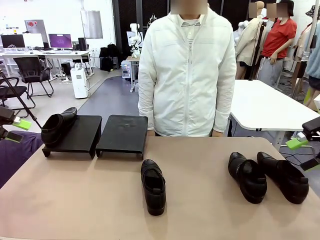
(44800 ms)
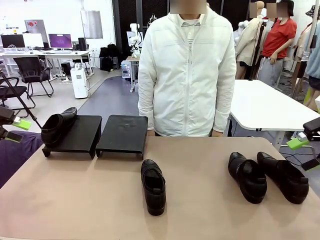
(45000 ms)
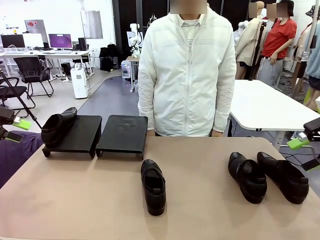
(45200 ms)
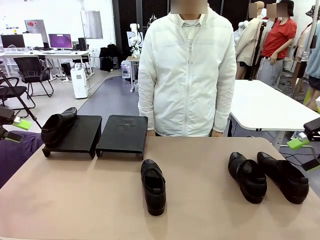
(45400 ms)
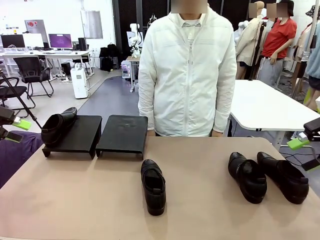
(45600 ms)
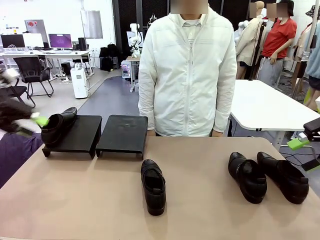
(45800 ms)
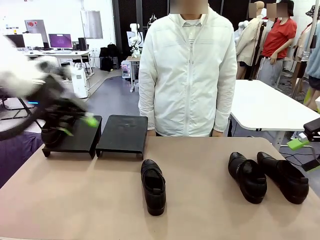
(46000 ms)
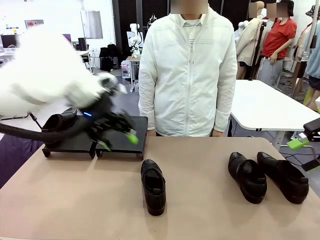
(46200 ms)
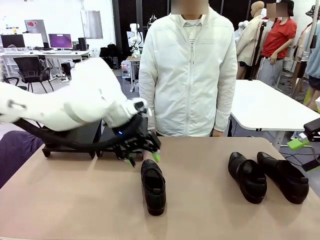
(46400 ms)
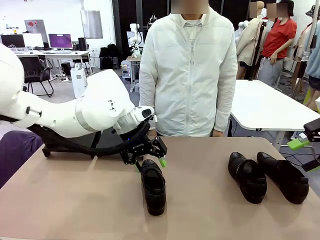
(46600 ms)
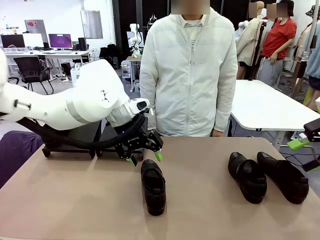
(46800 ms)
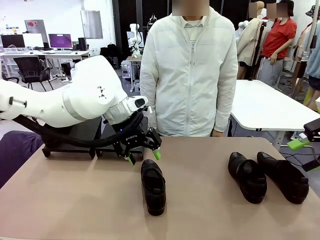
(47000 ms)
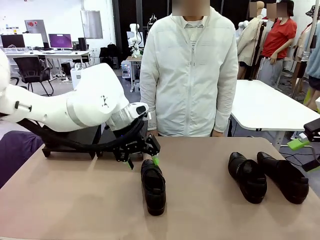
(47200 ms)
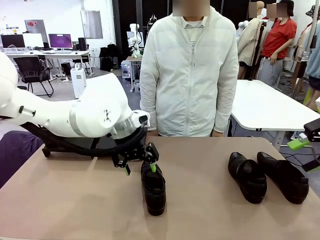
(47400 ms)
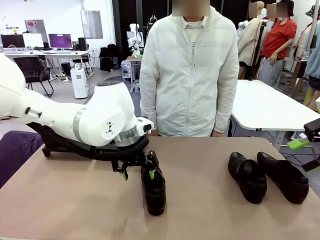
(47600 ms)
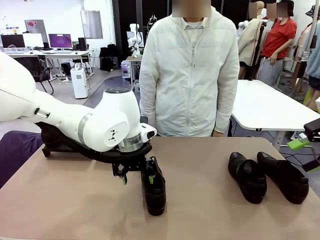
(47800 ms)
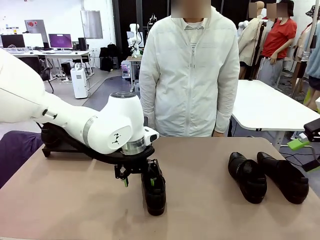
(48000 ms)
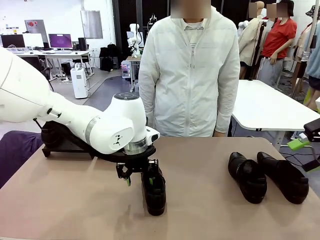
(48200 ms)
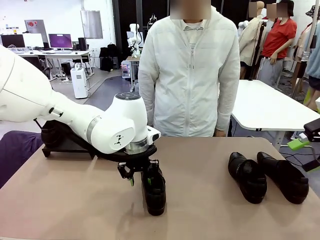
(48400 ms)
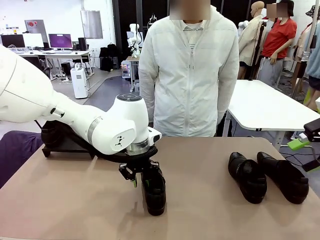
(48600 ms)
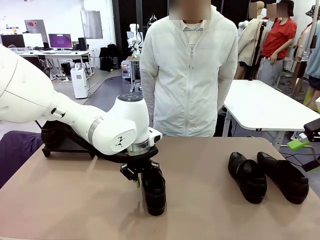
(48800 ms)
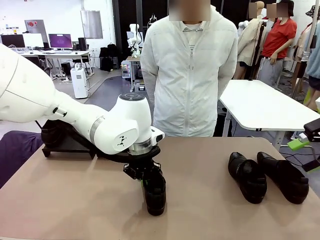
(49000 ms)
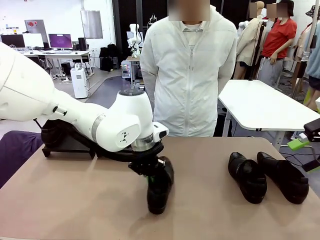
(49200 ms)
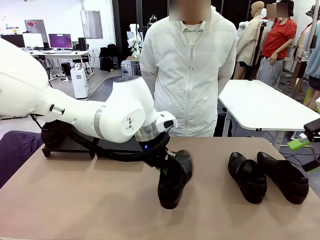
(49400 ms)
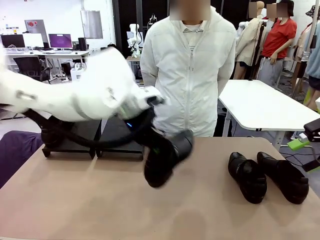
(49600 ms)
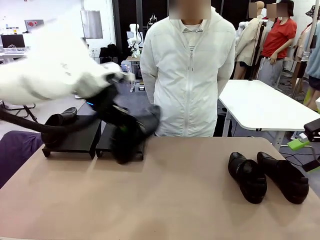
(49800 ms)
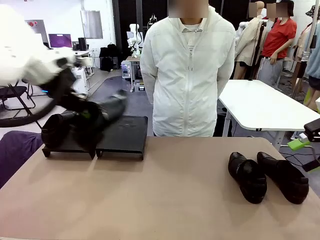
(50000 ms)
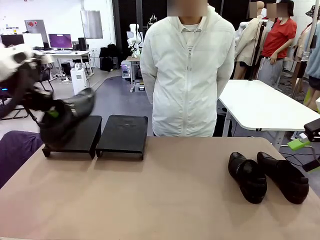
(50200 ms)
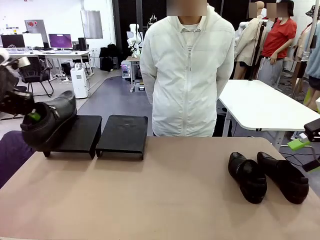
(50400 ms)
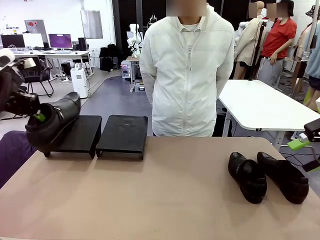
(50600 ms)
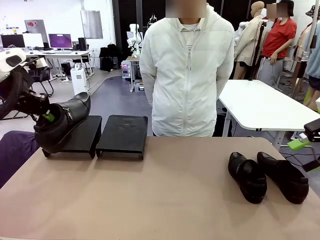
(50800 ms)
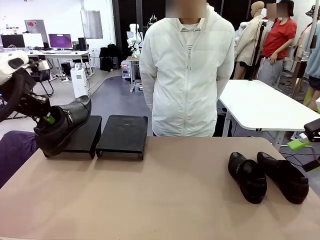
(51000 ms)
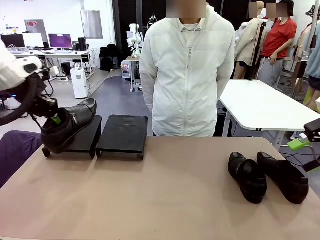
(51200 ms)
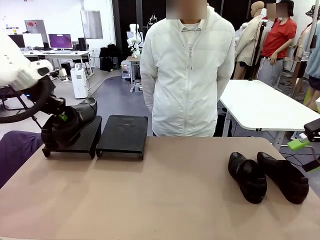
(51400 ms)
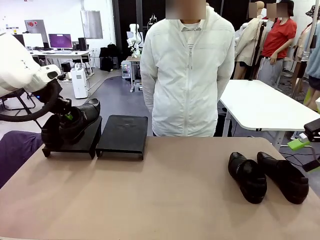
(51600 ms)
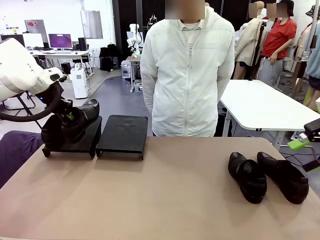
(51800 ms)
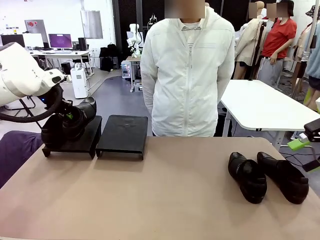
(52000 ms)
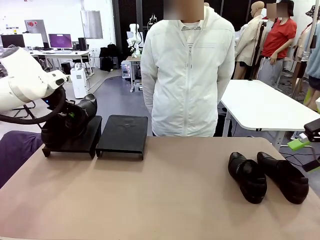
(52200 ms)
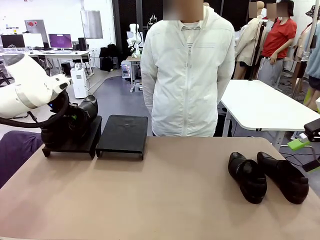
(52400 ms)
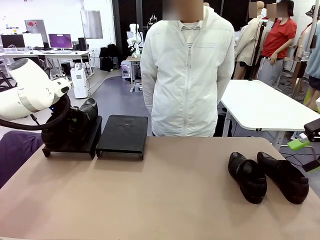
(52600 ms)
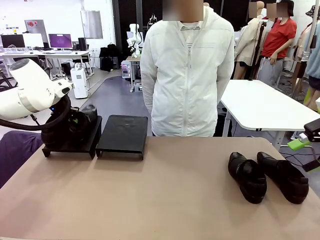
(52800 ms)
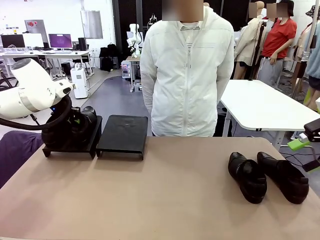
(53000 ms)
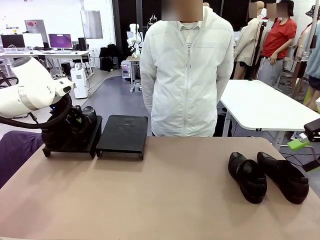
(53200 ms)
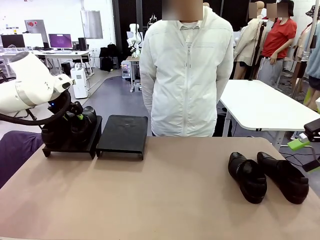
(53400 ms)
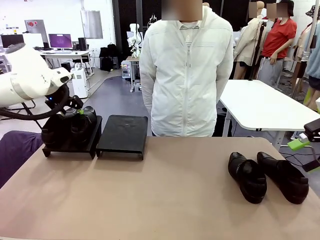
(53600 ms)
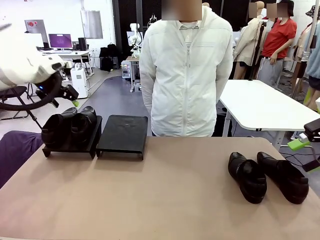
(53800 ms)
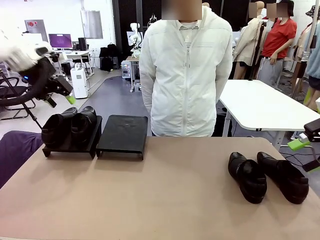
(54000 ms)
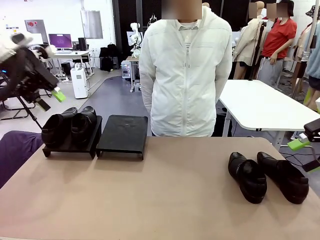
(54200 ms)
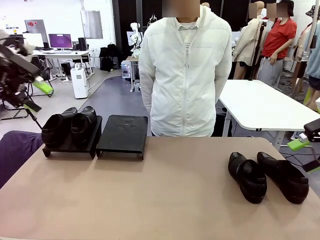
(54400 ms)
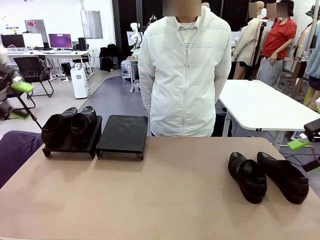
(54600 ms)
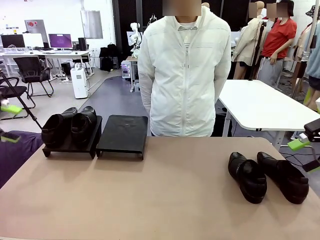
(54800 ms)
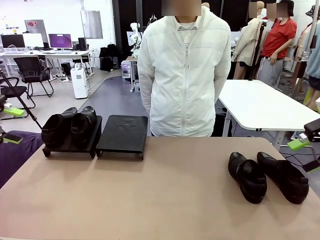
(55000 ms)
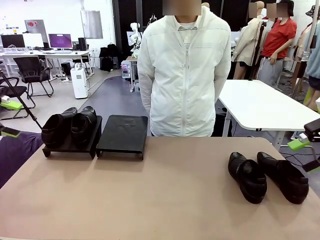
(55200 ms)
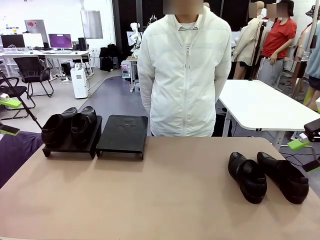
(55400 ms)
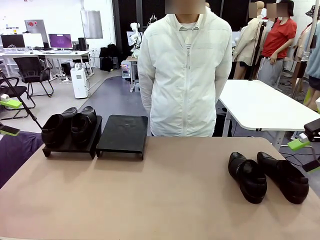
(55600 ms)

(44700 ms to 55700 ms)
Task: Organize the shoes by placing them on the stand.
Robot: Place the Shoe from the middle of the table onto the Shoes Stand.

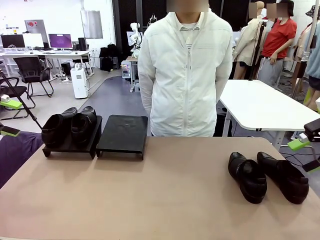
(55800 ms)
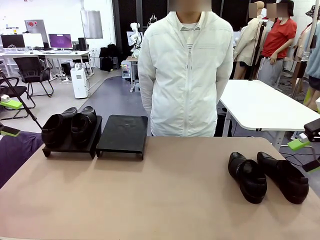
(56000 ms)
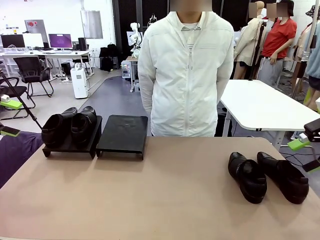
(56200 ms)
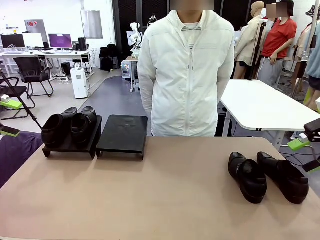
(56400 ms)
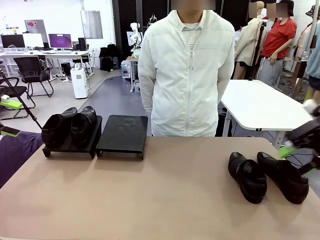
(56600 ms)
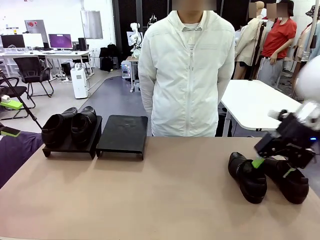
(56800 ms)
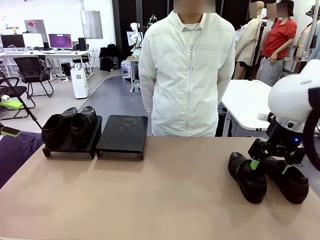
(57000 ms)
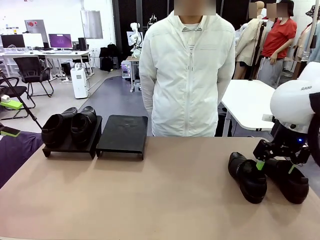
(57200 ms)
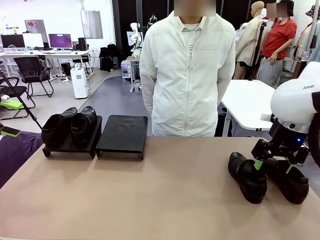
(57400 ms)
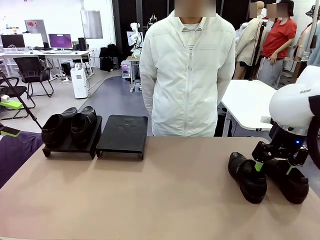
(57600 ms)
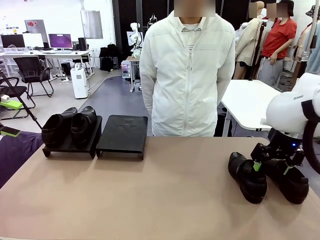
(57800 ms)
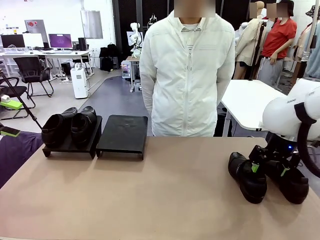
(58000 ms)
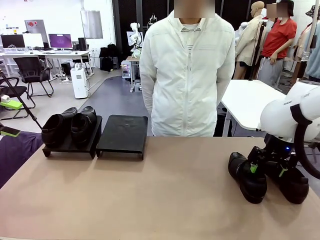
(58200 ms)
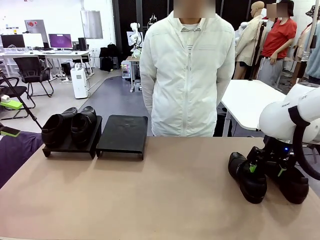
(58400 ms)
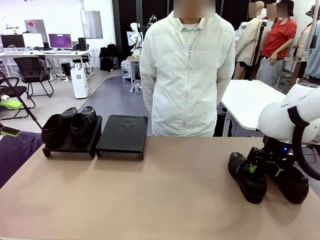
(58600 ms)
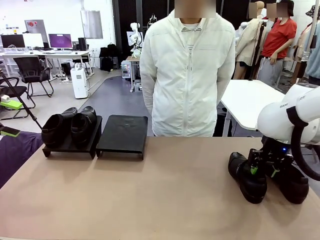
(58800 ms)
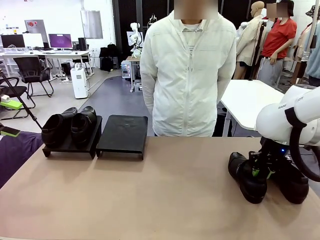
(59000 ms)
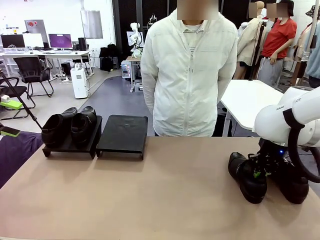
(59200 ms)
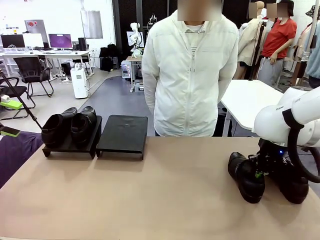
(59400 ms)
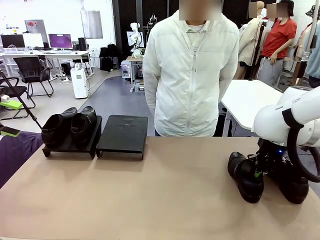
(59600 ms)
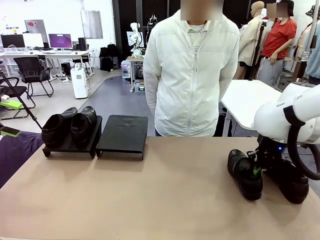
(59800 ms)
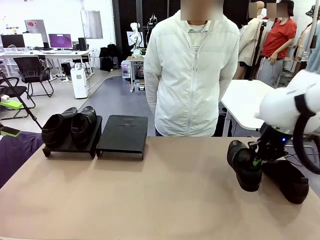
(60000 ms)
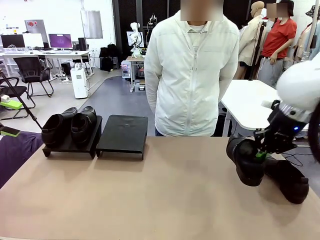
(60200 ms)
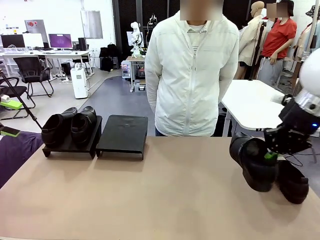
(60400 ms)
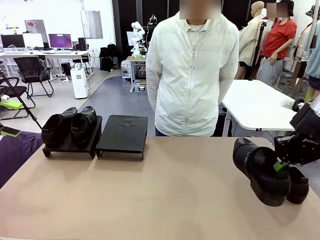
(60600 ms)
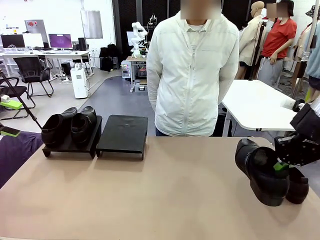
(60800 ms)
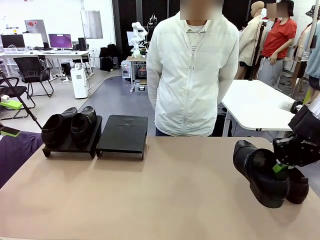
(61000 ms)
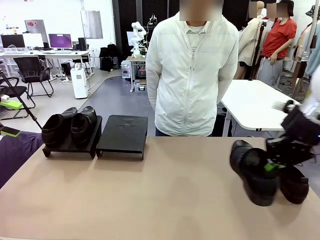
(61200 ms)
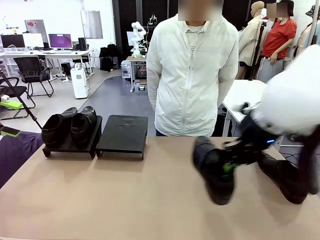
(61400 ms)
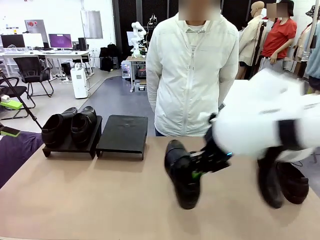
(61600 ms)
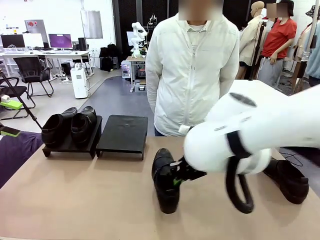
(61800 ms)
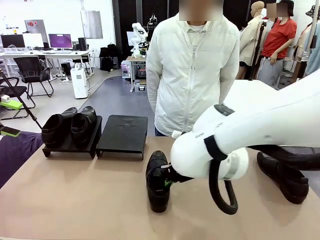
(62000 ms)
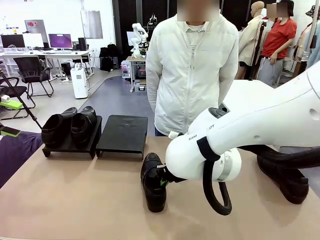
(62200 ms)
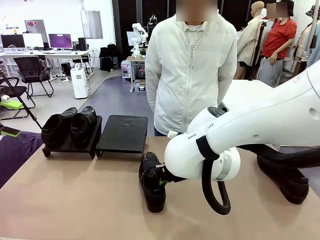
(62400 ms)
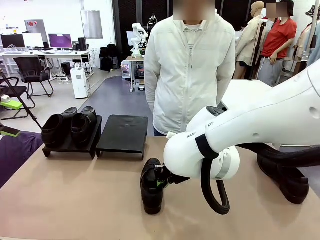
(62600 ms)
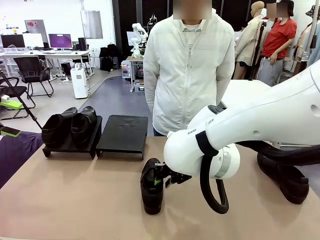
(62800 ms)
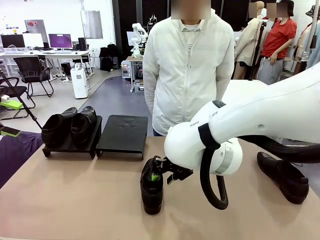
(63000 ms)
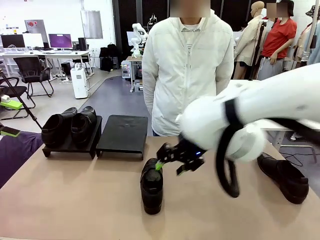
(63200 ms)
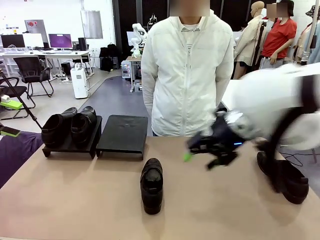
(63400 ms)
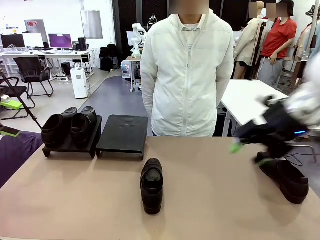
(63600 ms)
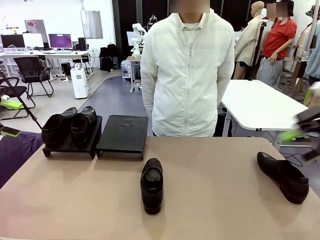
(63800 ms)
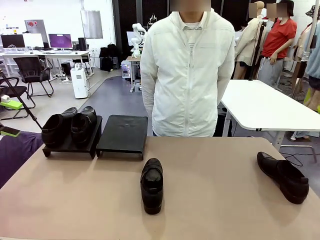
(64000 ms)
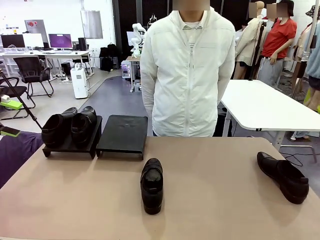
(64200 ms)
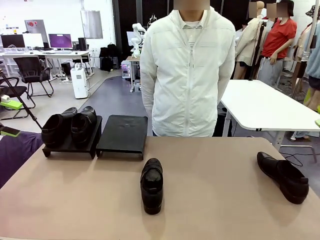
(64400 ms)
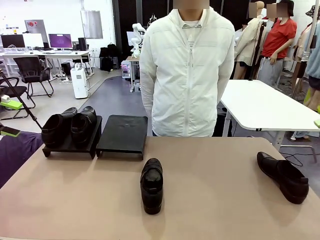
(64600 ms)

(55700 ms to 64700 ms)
Robot: Pick up one Shoe and place it in the middle of the table.
